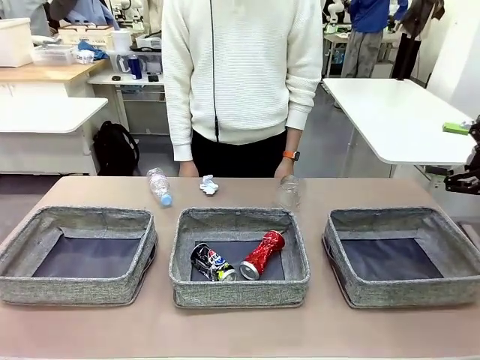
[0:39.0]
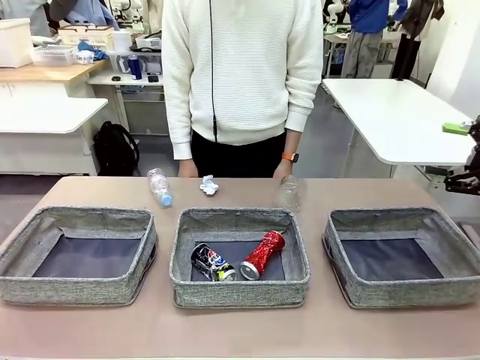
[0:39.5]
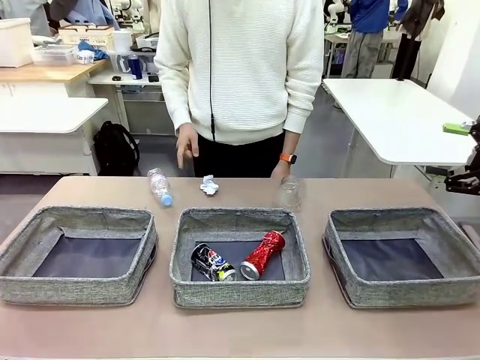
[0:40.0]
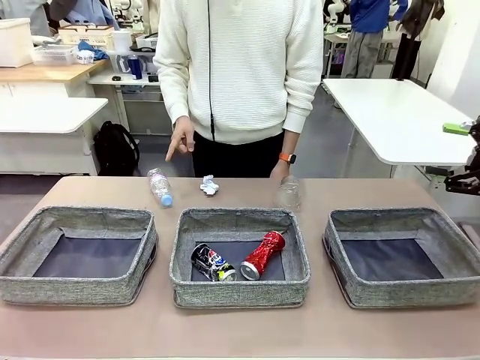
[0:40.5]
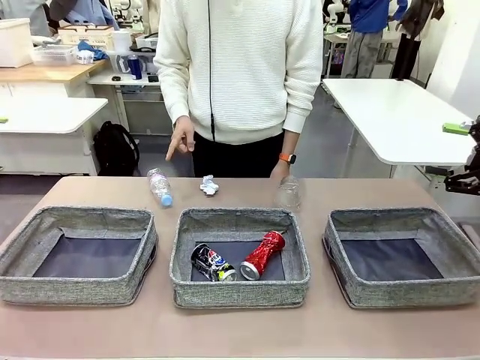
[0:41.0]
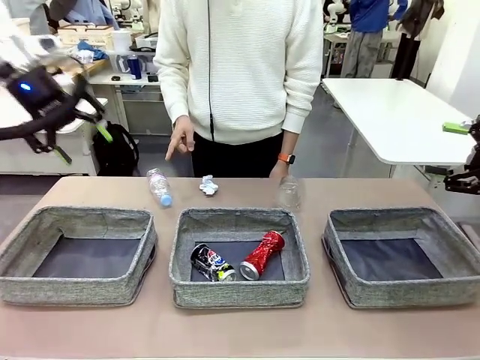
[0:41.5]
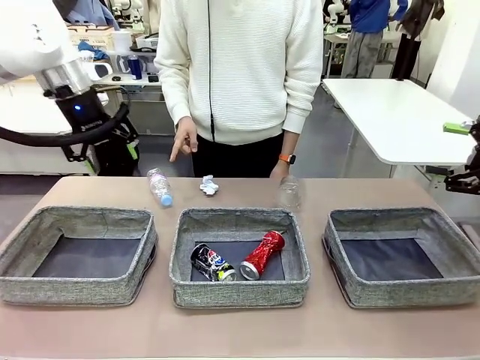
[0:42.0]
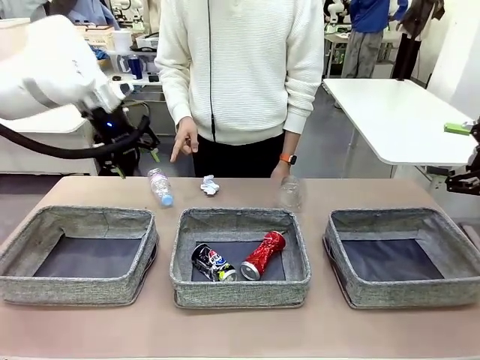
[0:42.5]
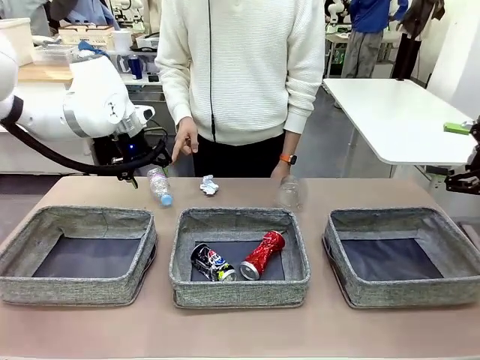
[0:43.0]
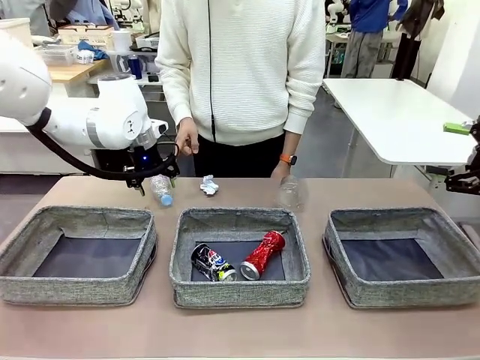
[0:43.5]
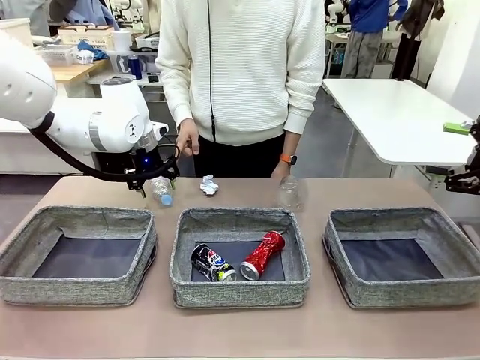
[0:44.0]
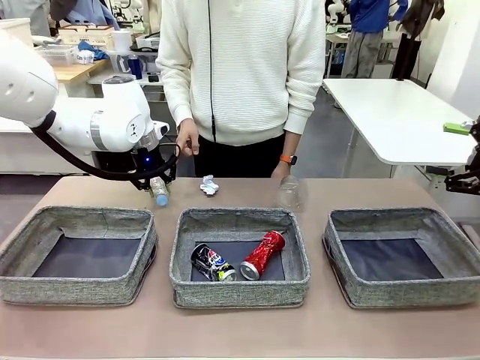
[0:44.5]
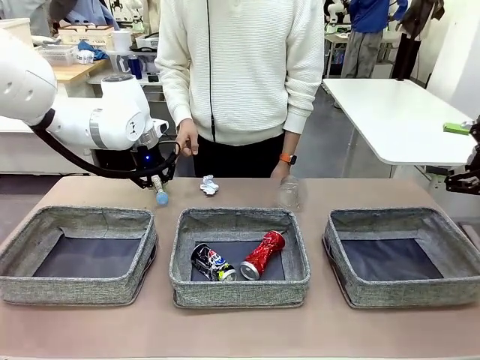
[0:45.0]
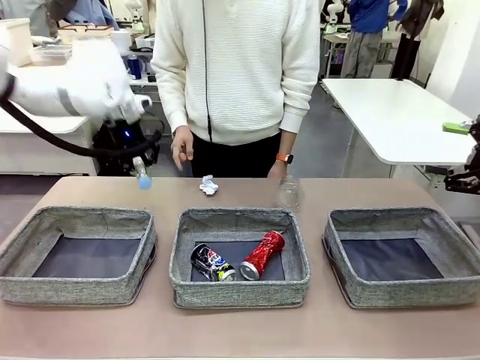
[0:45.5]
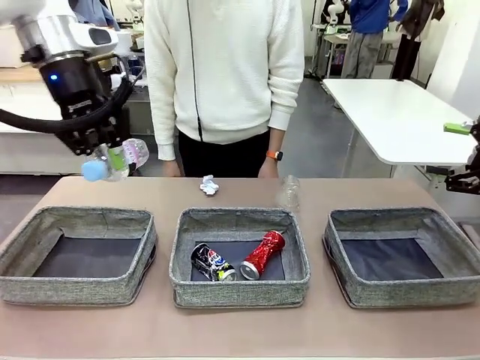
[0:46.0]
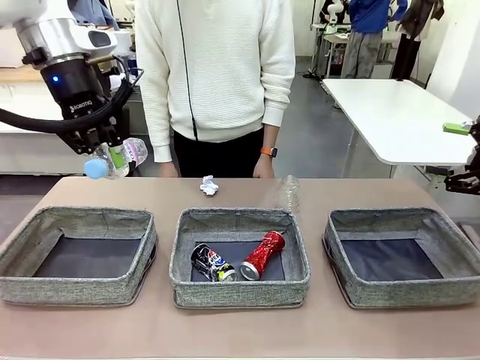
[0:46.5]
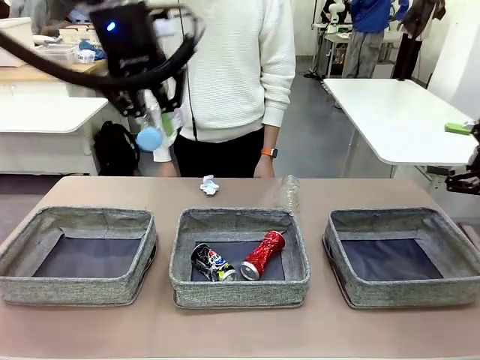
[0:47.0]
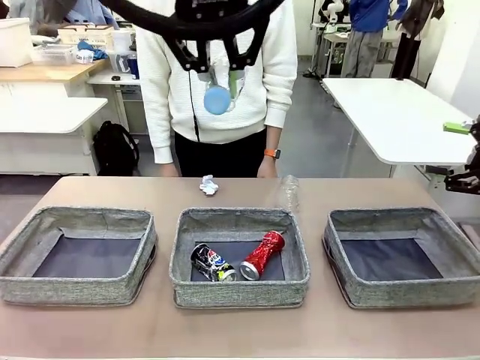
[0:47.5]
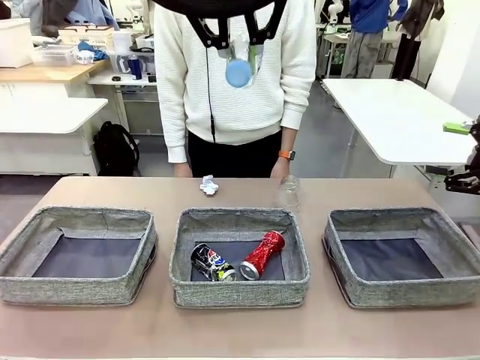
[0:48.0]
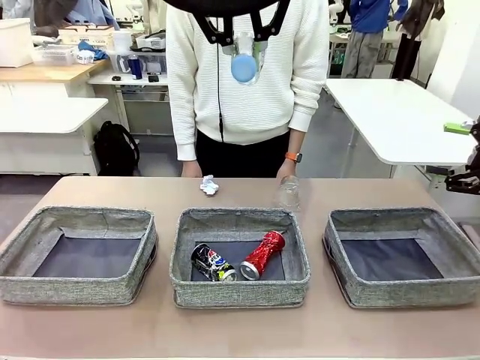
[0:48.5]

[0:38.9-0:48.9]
Task: Sort the waste into the appropriate baskets.
Robot: Pick up the waste item pointed out by the person.
Person: Points to one piece of trash on the table.

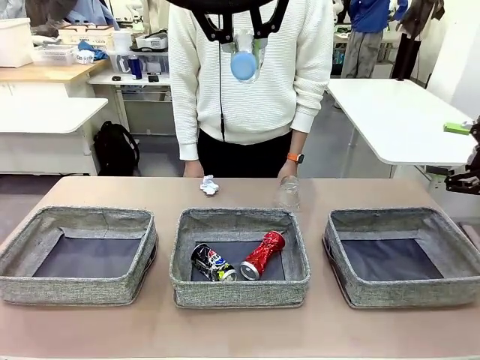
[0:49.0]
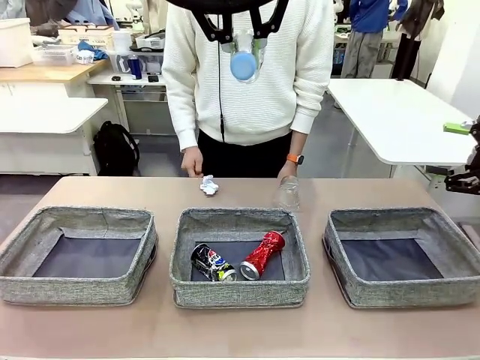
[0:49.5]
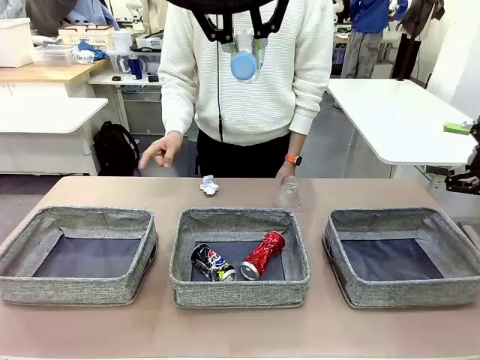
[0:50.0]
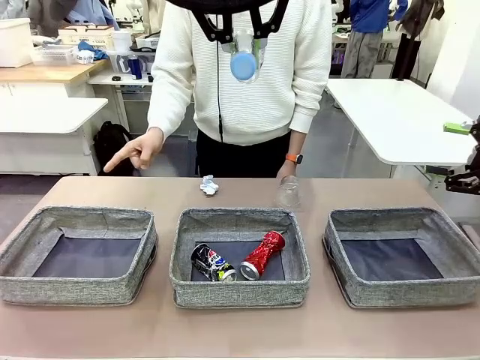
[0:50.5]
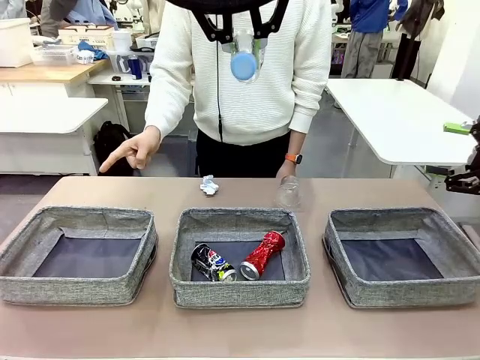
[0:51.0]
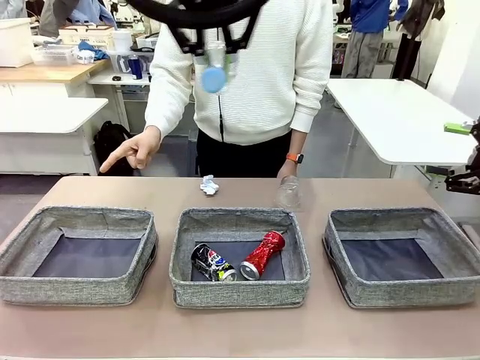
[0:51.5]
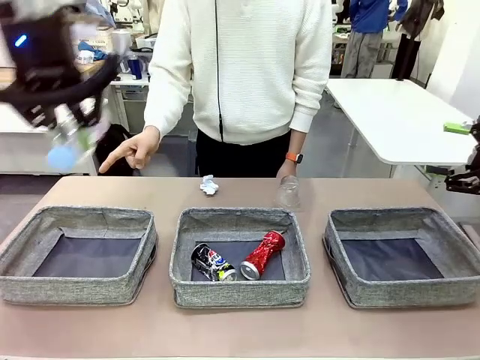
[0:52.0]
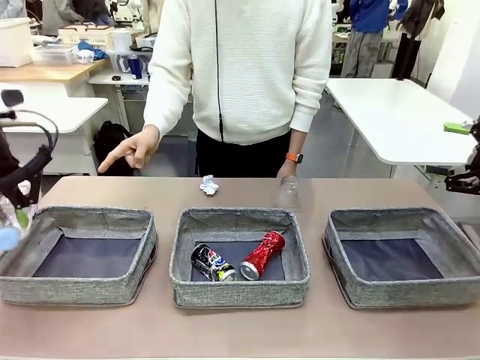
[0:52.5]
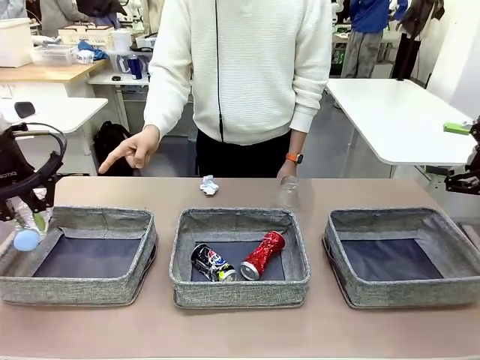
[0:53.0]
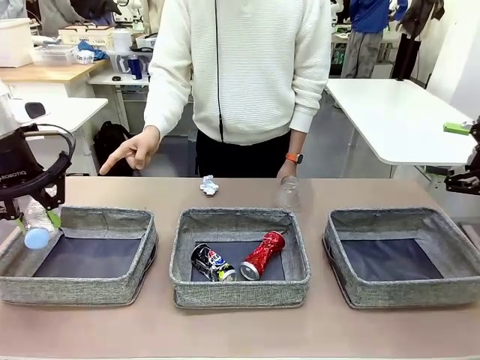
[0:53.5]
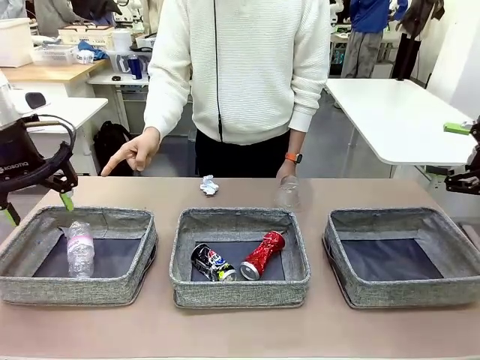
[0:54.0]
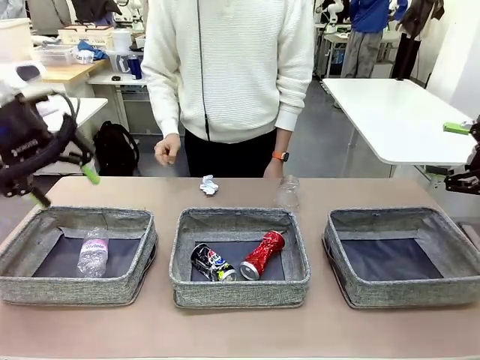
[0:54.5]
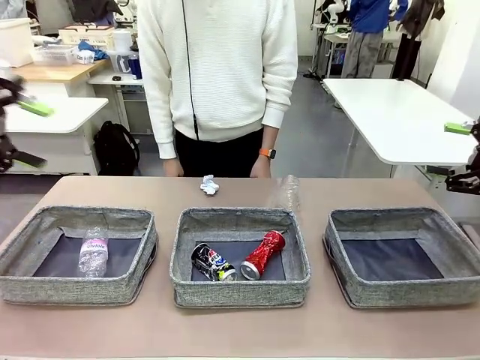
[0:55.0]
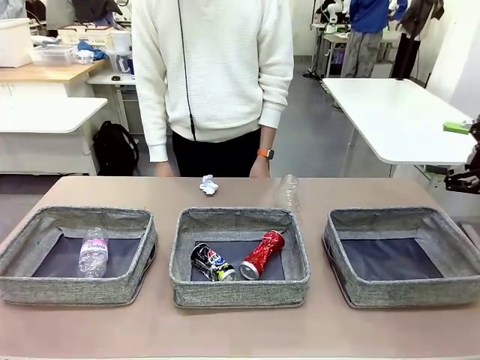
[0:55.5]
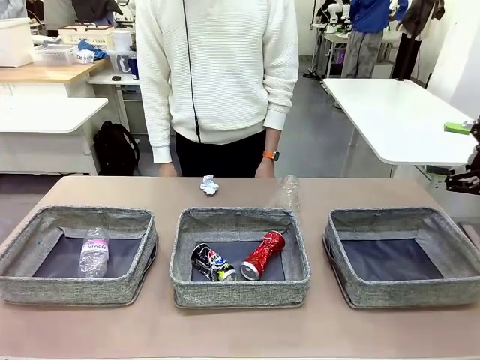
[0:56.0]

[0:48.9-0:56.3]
Robot: Place the picked waste into the Fabric basket indicated by the person.
Person: Instructs the robot to place the picked-up trash into the appropriate organizing basket.

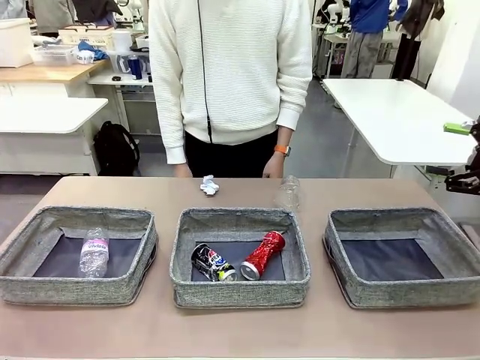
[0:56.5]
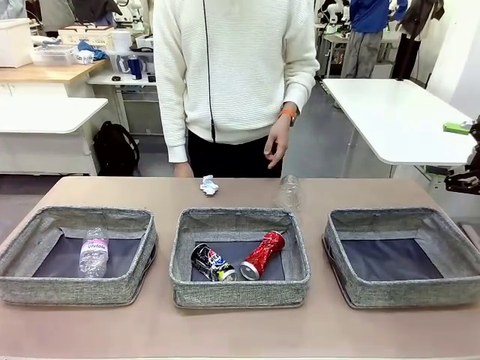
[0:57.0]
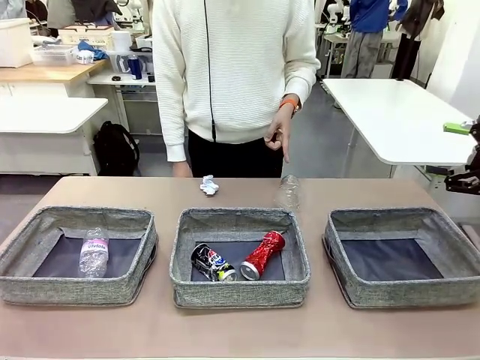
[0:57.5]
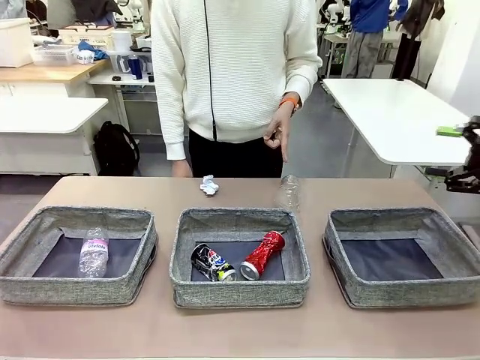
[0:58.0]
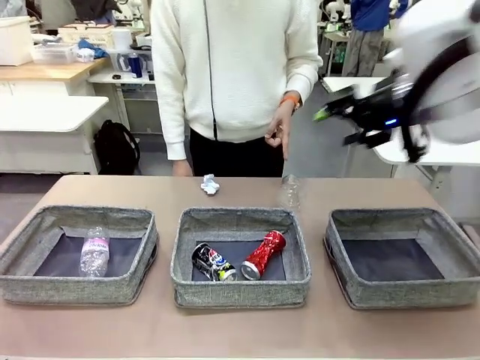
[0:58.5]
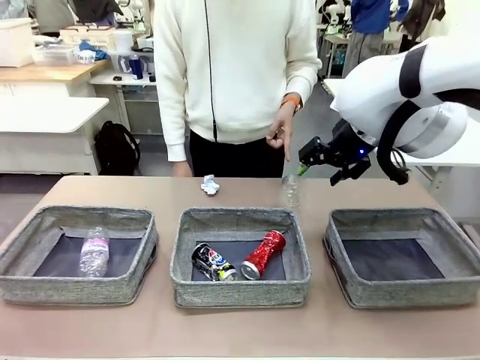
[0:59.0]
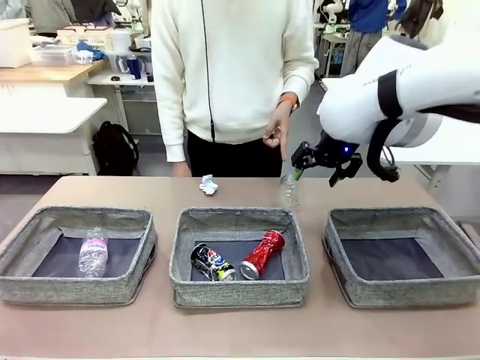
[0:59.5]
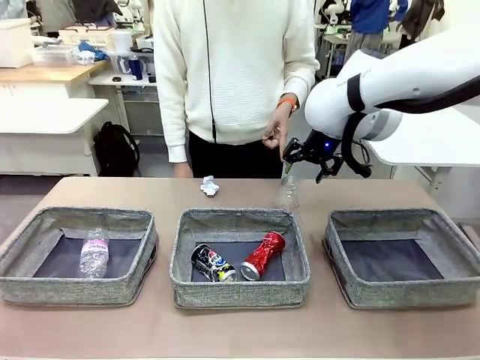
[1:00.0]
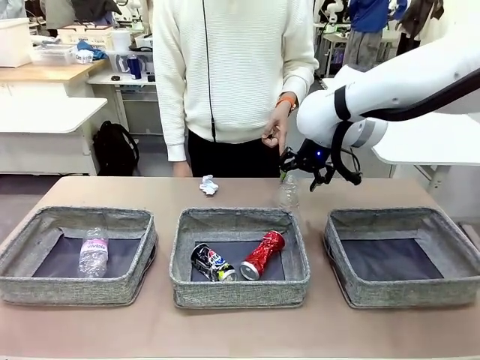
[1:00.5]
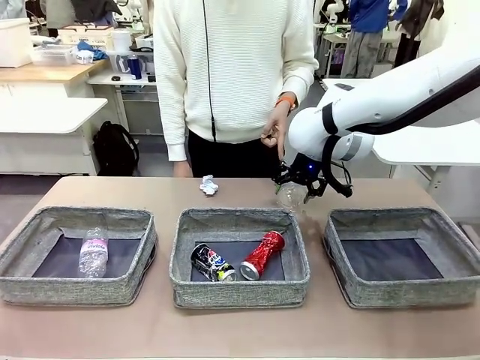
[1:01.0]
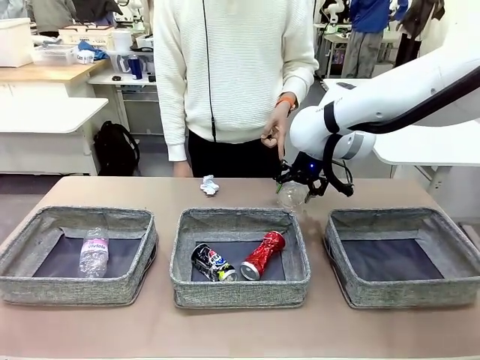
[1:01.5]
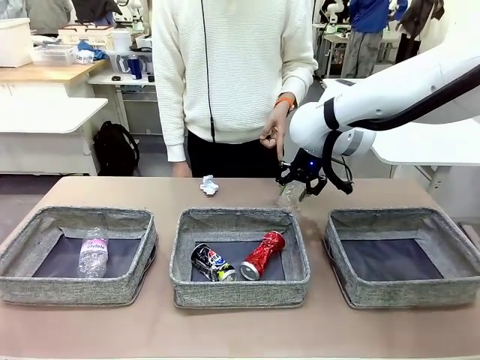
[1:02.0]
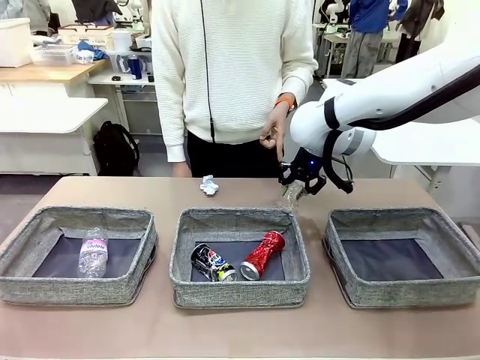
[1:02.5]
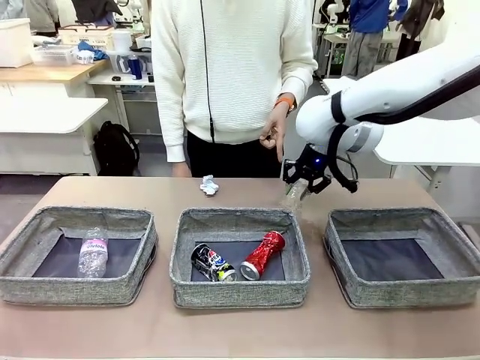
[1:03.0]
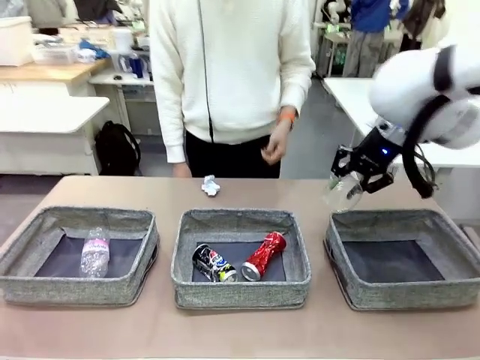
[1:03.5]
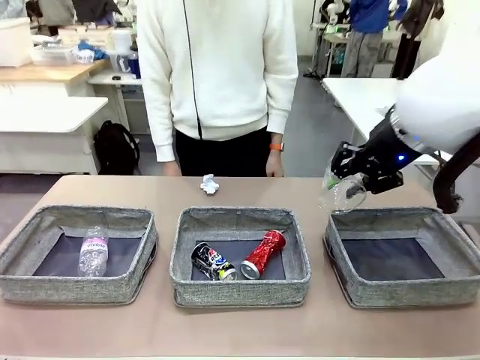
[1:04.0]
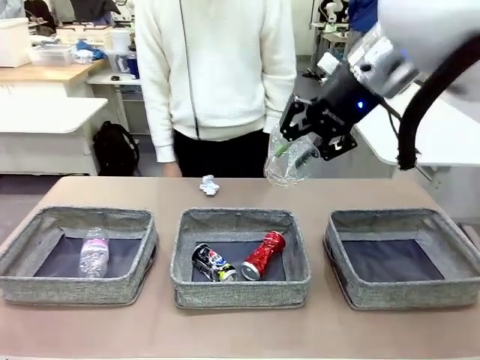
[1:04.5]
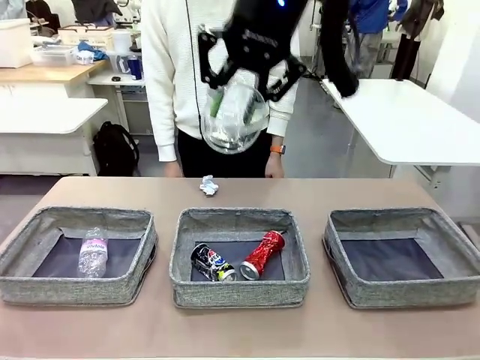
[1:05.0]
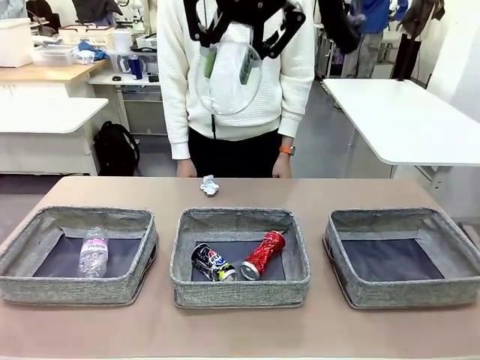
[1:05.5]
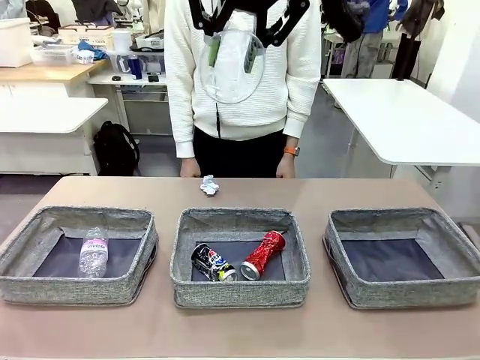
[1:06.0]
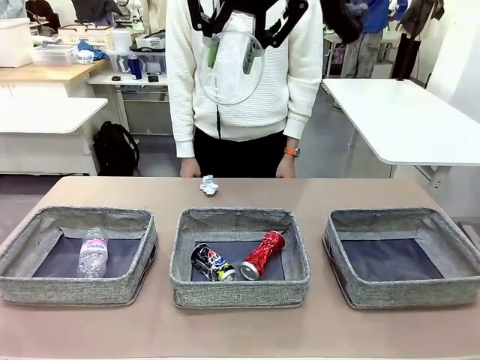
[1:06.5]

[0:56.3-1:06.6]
Robot: Pick up the waste item pointed out by the person.
Person: Points to one piece of trash on the table.
